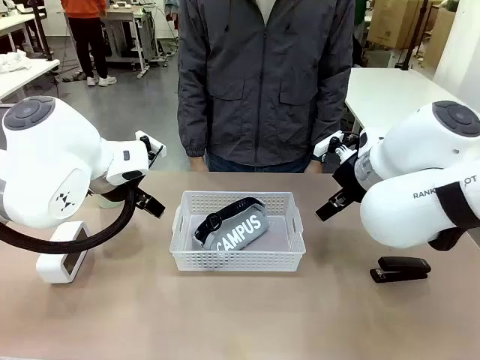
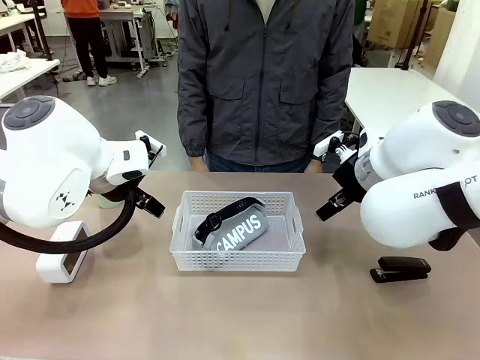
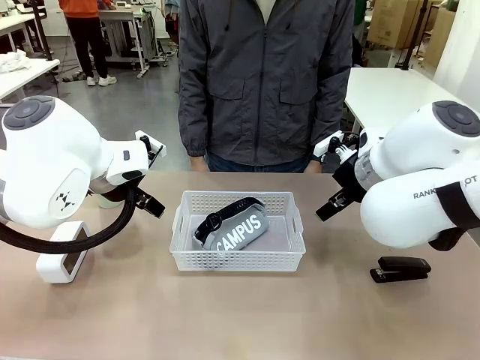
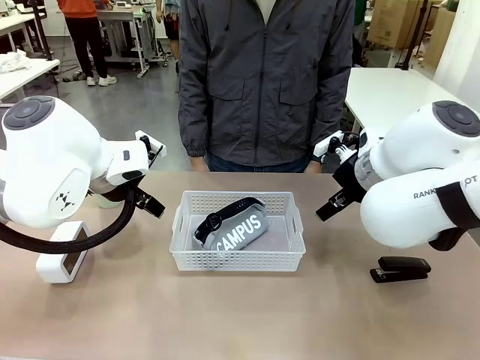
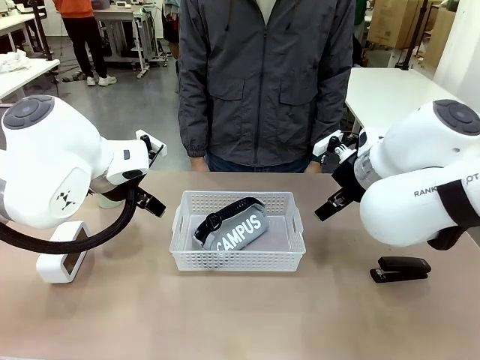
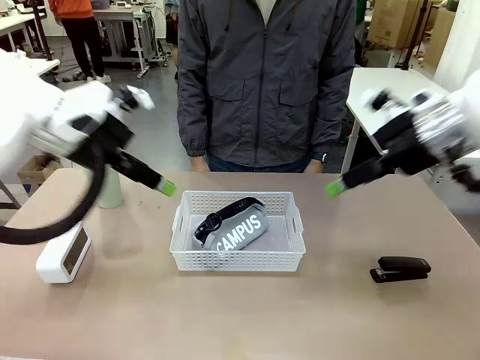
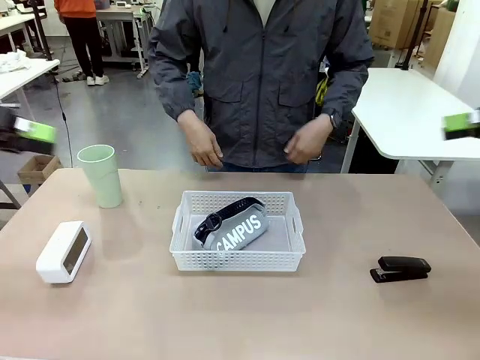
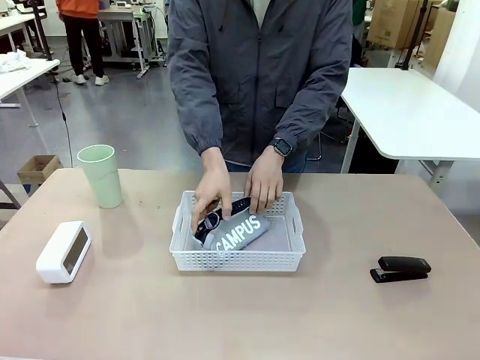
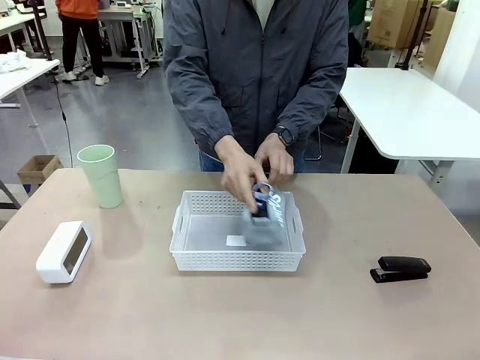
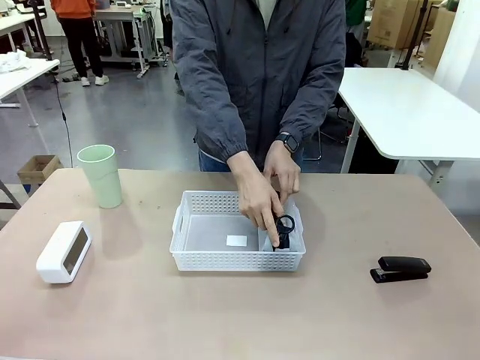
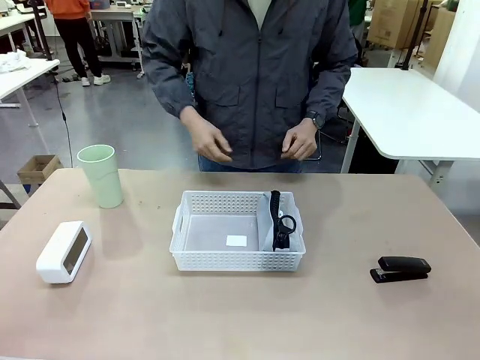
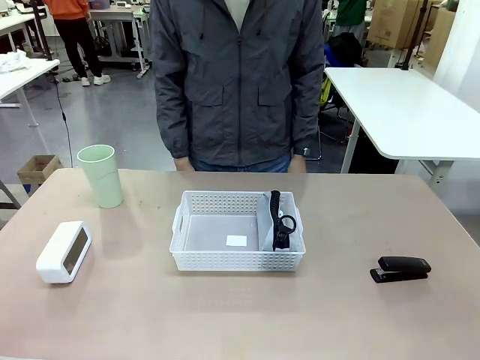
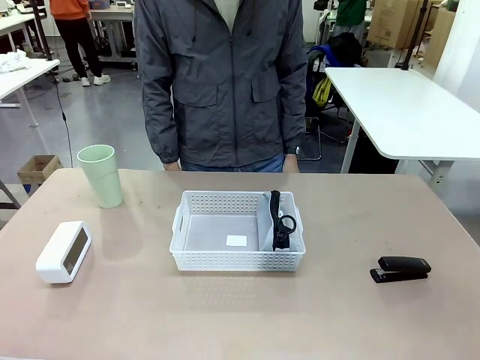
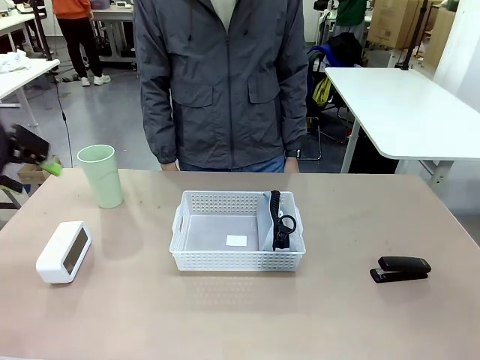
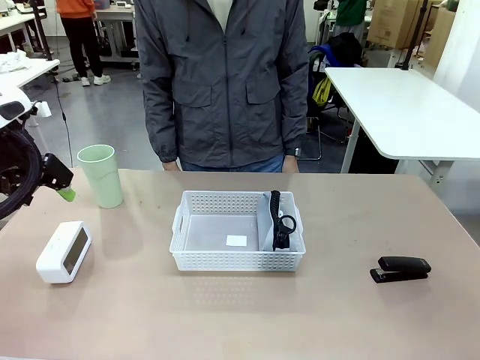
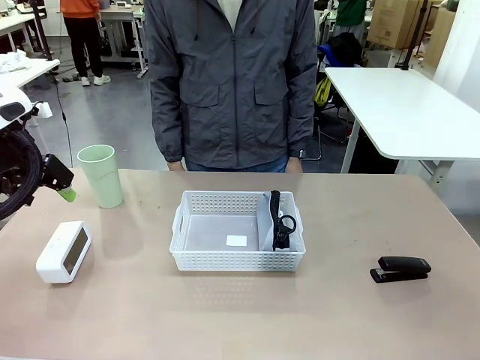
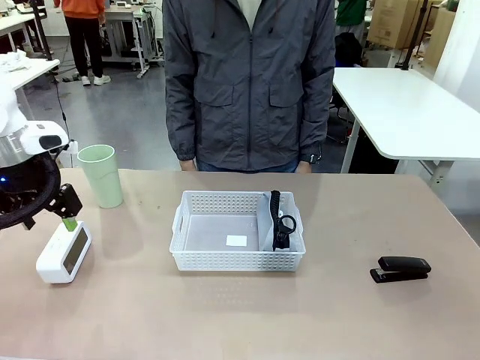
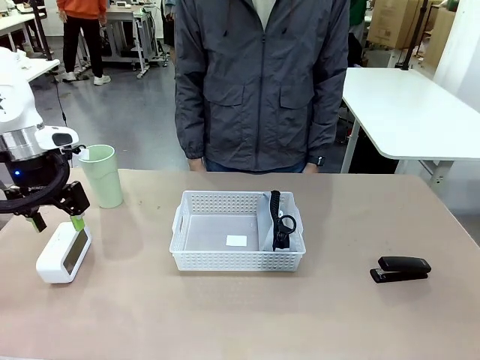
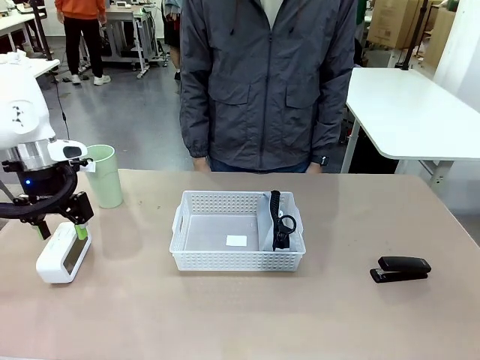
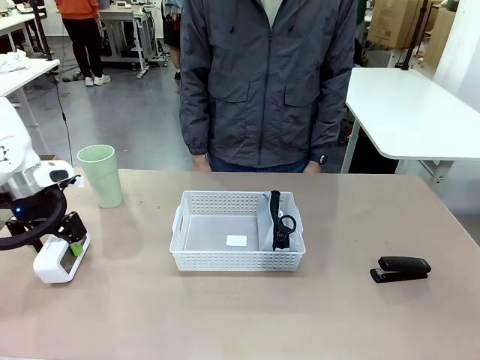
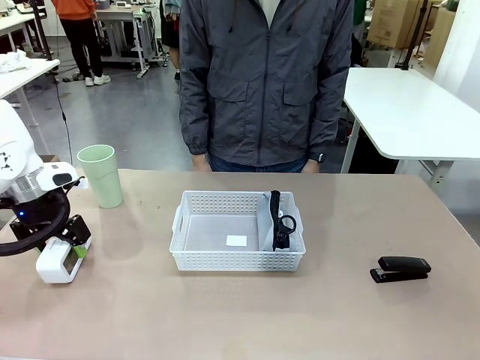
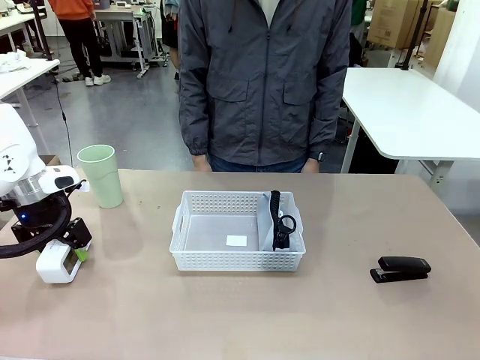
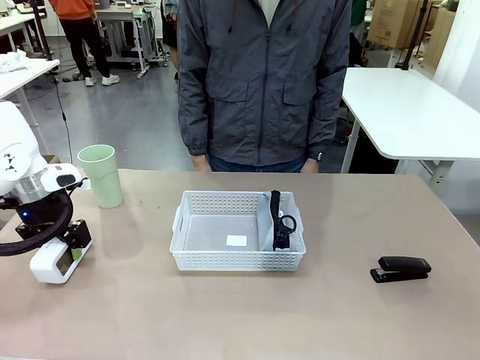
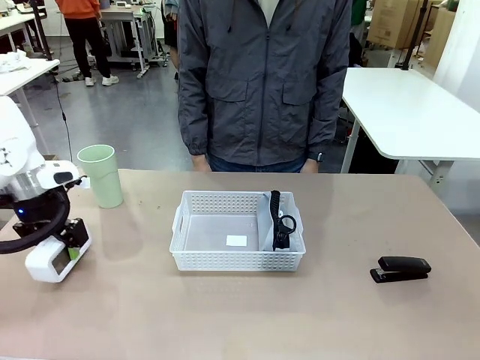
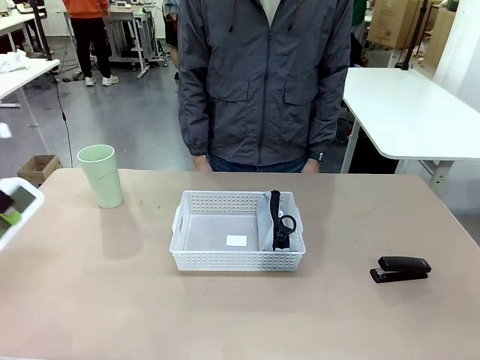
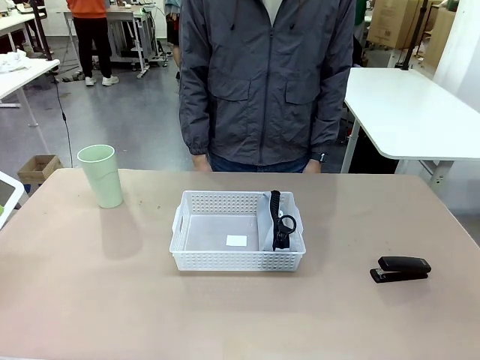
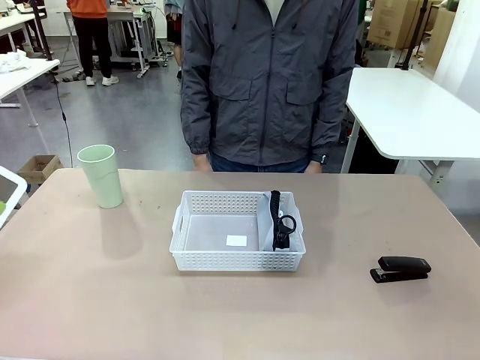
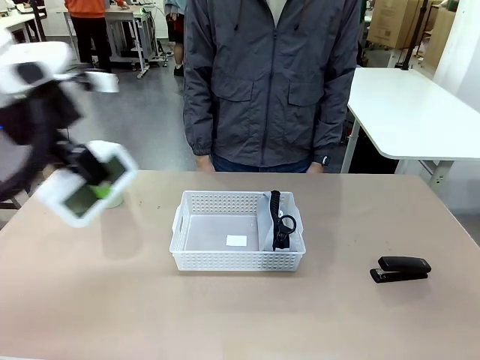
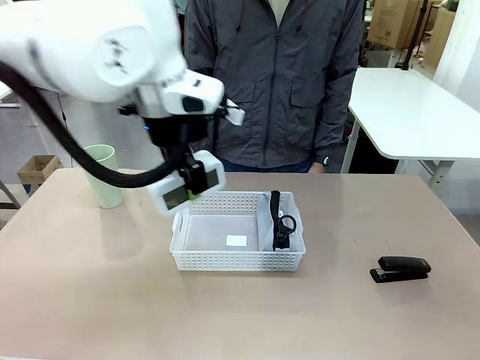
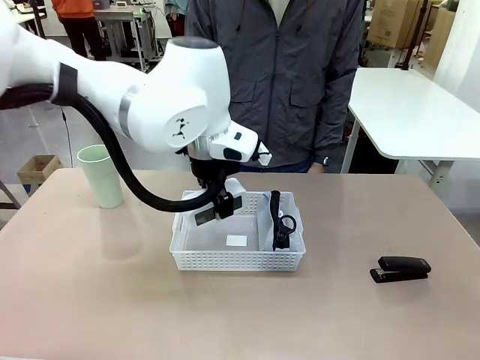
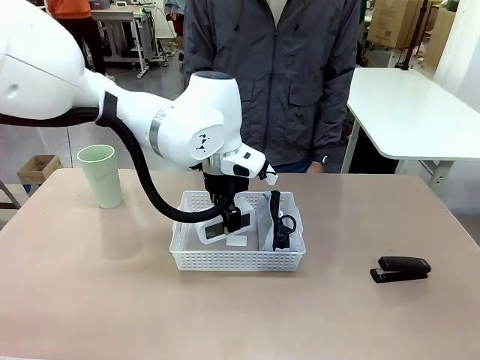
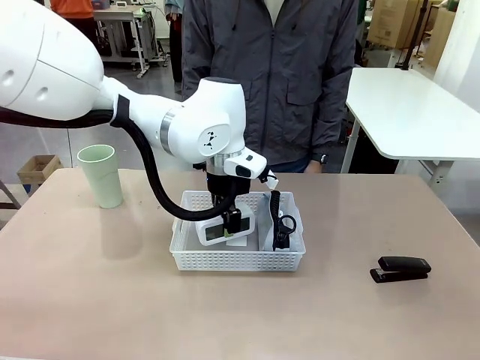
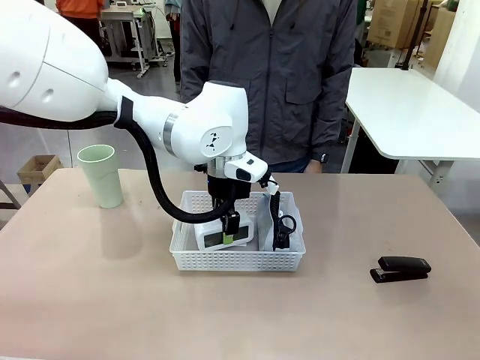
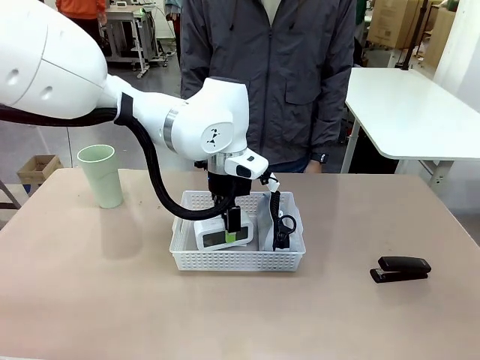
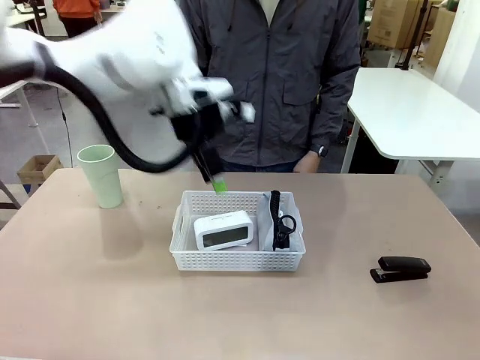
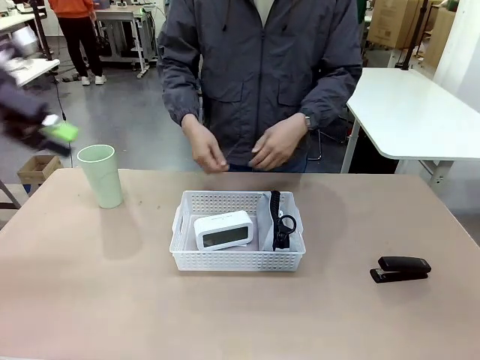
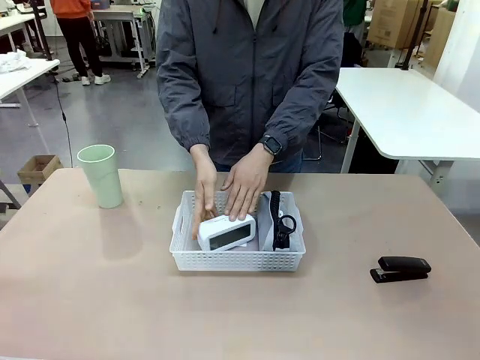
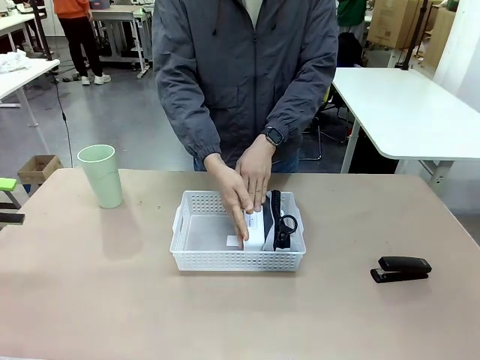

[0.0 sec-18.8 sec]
Task: Efficiently arrange items inside the basket to fit them all.
Robot: Pick up the Digital clock and place it inside the Organizing basket.
Person: Repositions the pencil case. Repositions the digital clock.
